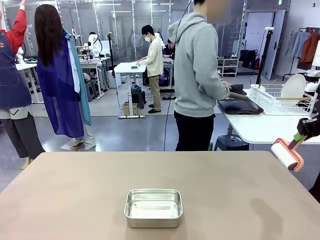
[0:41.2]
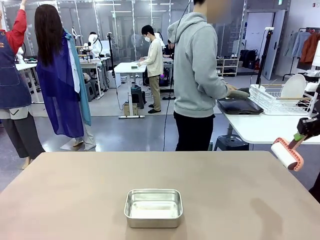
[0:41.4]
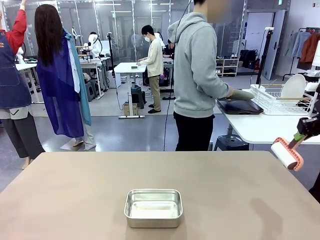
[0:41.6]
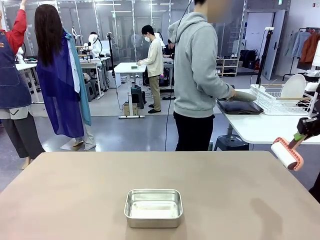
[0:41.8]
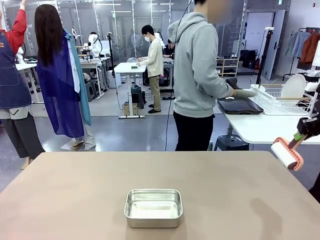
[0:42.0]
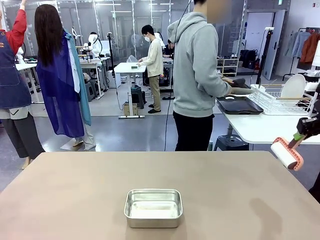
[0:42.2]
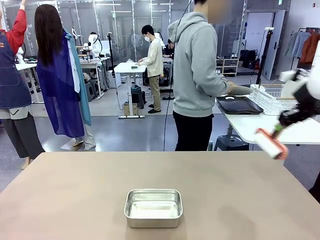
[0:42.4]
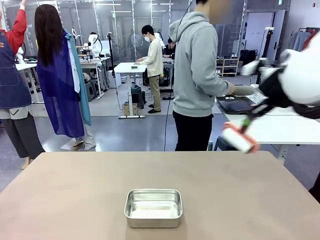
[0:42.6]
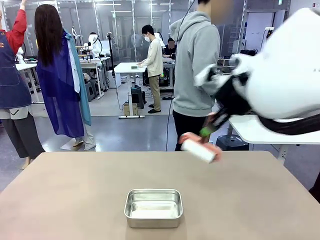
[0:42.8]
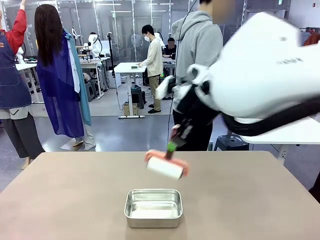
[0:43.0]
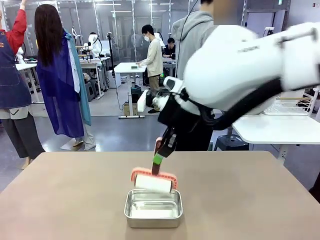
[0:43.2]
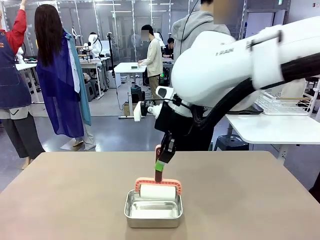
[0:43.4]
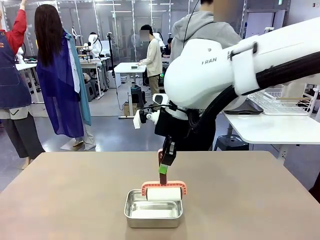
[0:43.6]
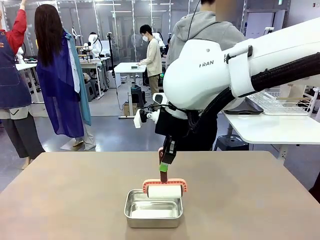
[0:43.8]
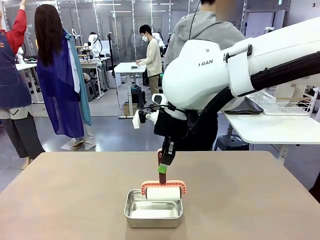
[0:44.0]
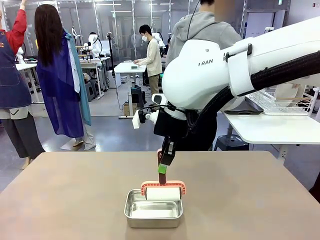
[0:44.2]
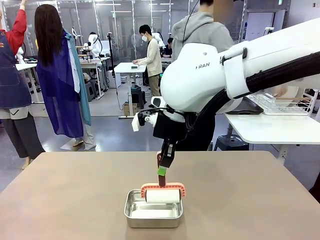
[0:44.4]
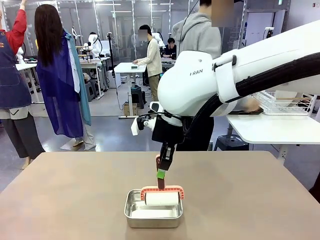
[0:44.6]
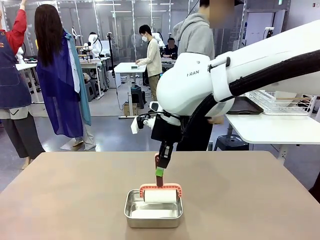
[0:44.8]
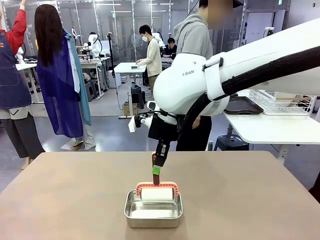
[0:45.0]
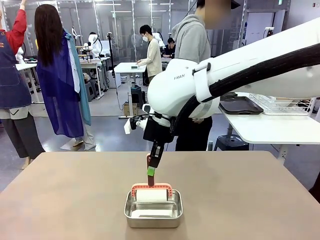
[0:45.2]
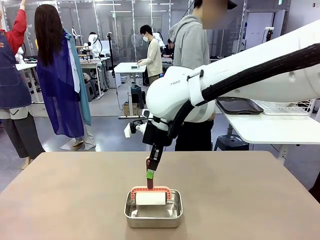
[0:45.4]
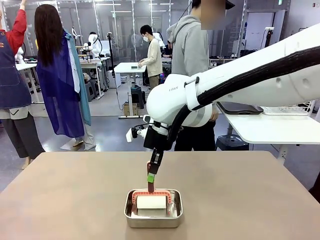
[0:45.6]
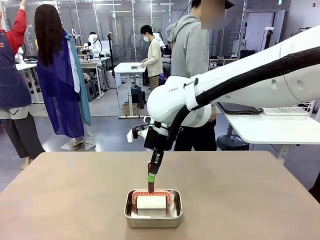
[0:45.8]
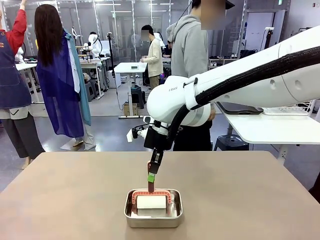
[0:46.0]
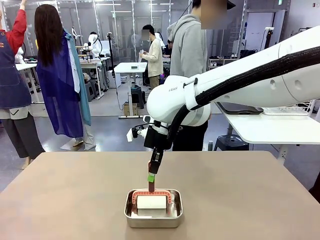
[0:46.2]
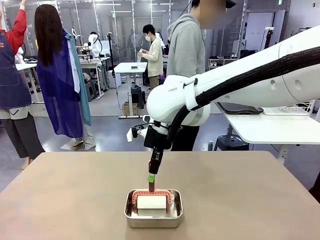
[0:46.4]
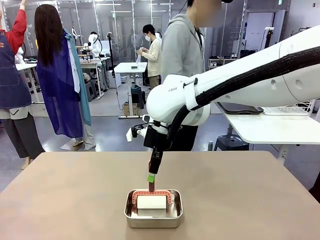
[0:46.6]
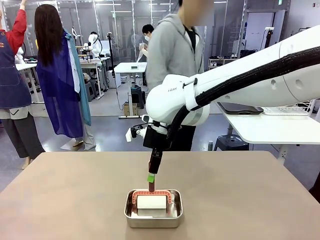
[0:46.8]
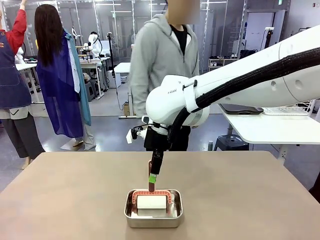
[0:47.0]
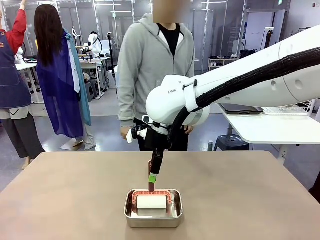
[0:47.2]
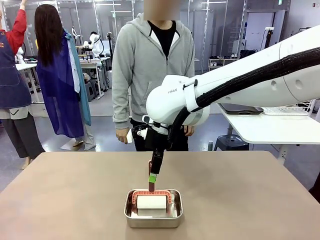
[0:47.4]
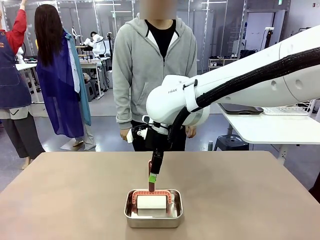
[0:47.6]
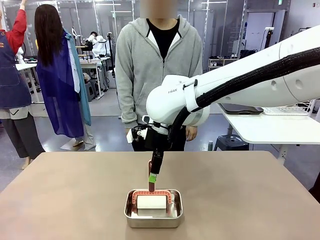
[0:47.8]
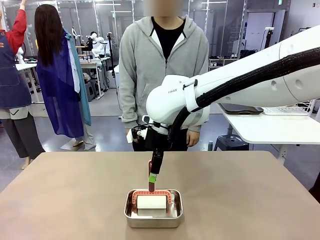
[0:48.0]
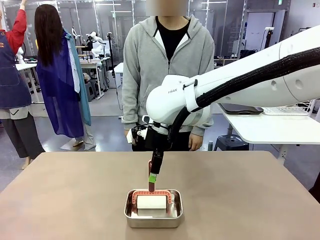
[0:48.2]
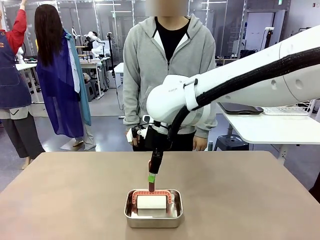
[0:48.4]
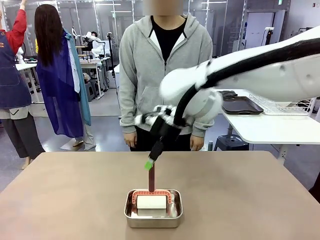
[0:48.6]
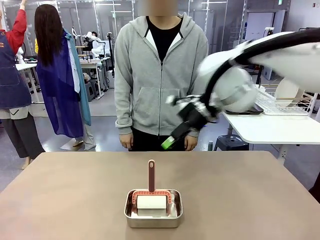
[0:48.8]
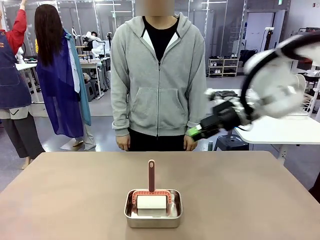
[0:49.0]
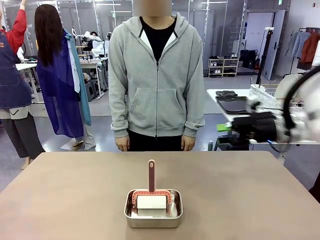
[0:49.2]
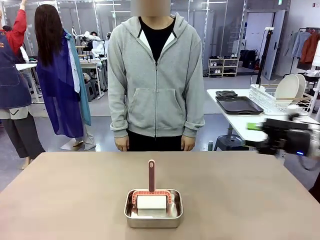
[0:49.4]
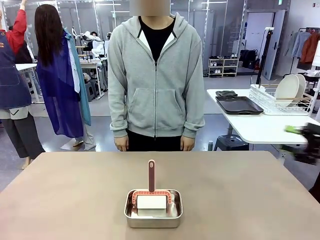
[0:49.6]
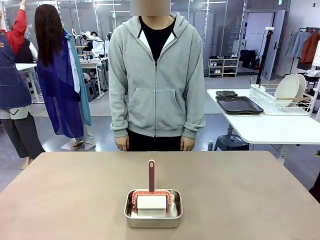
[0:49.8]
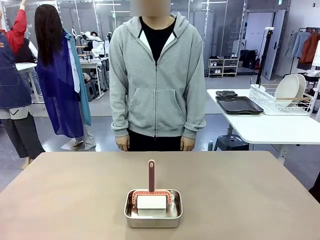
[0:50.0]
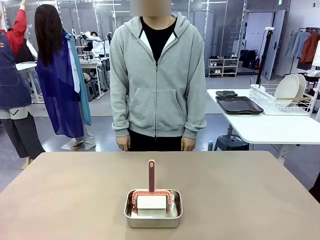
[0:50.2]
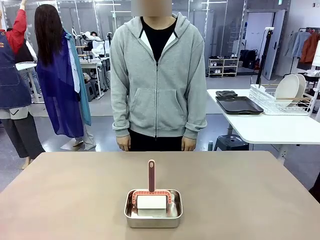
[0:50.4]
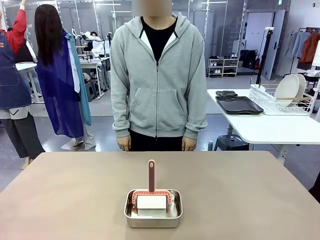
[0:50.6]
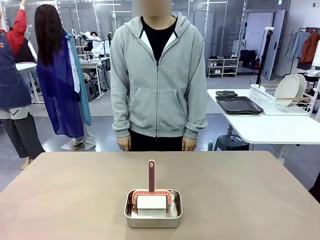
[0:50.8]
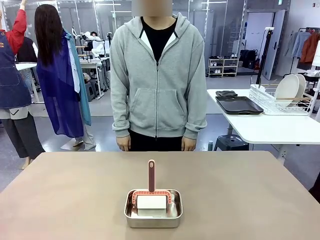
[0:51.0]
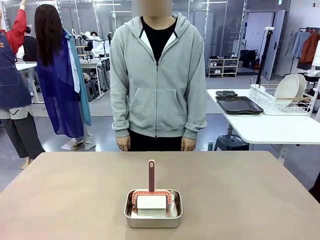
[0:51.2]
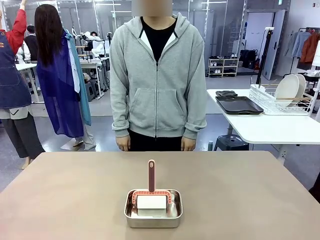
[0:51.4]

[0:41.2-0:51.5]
Robot: Place the Lint Roller back on top of the Airtight Container.
Person: Use the Towel with hook to wipe the Plastic Matte Plate , Fork , and Knife and place into the Dish drying rack.
